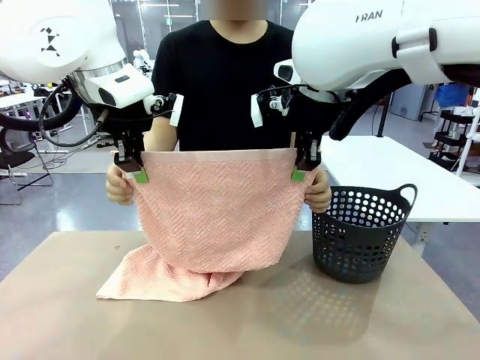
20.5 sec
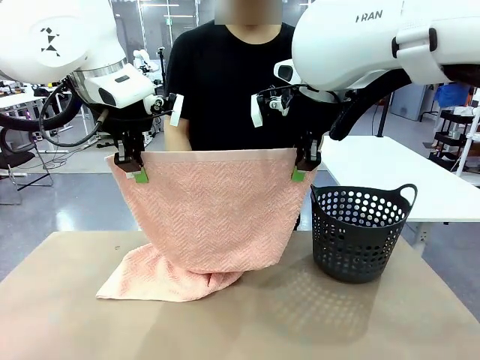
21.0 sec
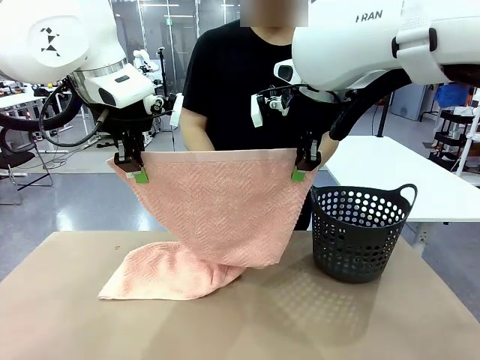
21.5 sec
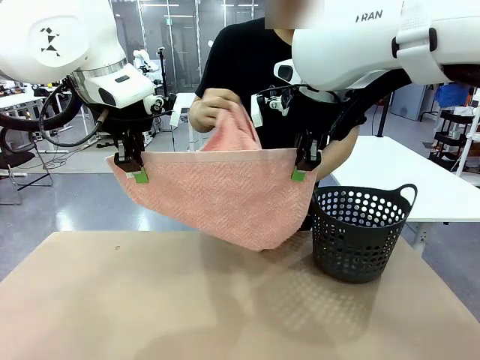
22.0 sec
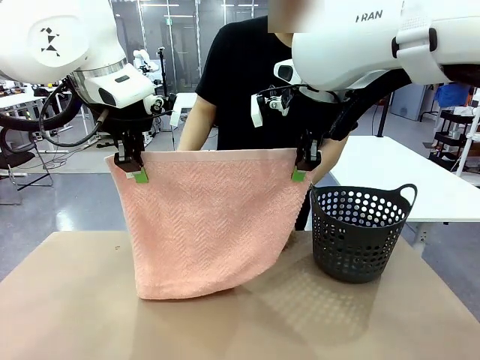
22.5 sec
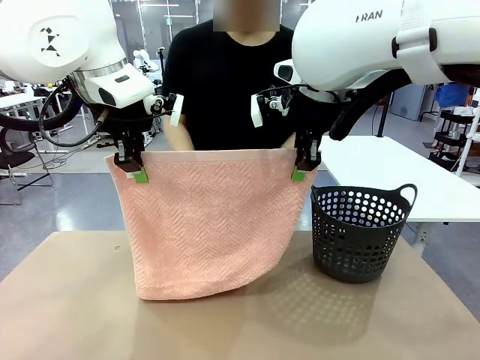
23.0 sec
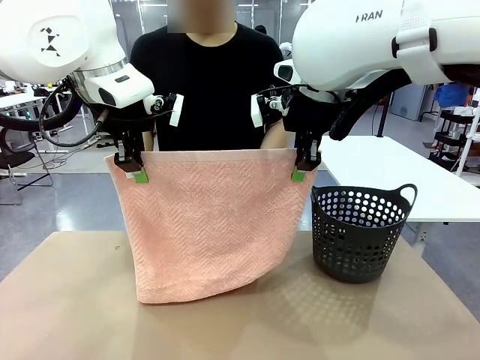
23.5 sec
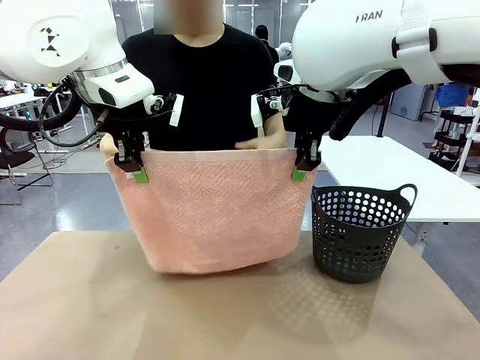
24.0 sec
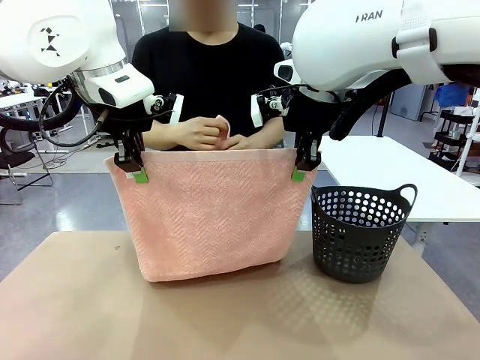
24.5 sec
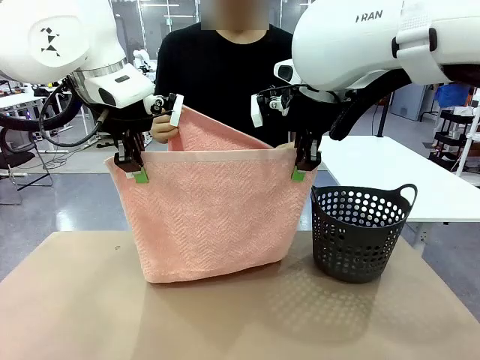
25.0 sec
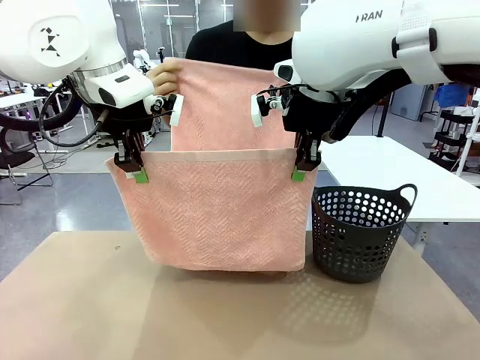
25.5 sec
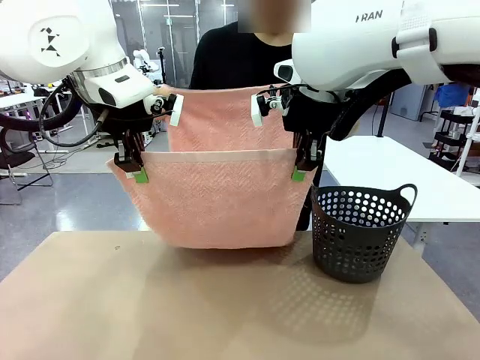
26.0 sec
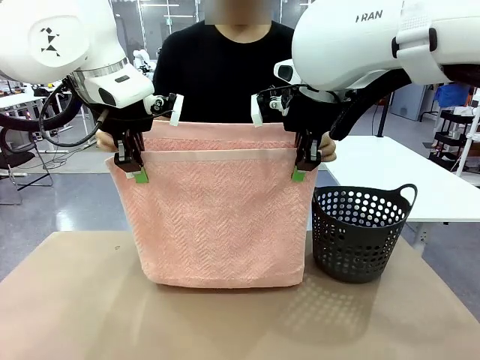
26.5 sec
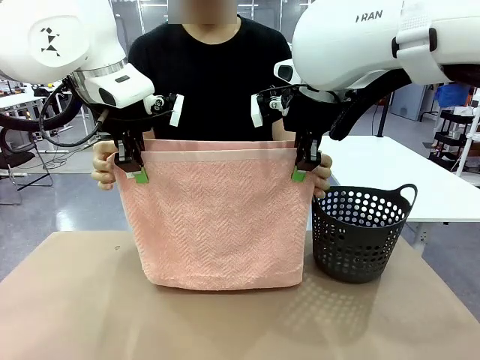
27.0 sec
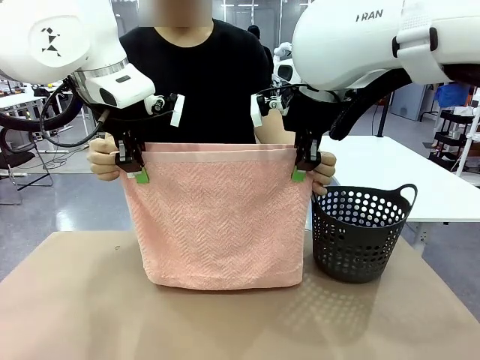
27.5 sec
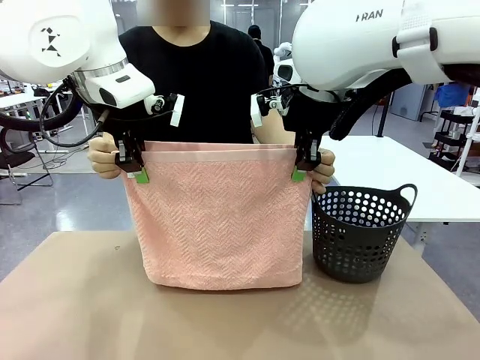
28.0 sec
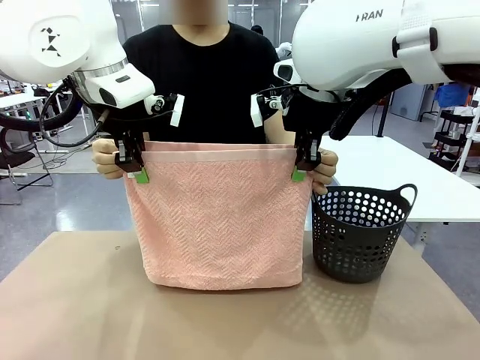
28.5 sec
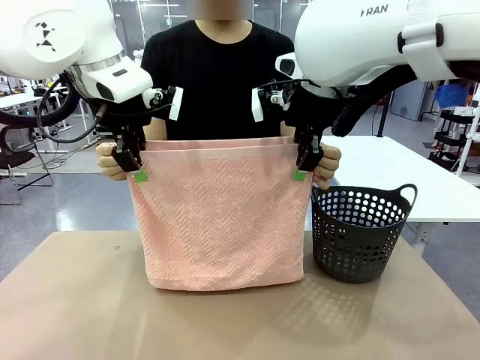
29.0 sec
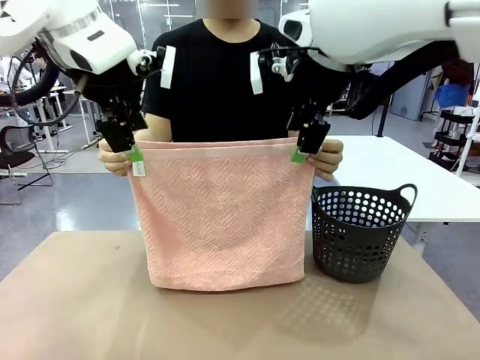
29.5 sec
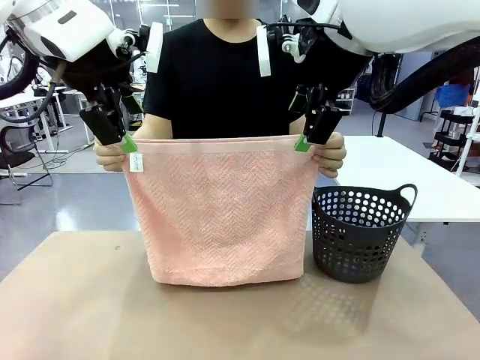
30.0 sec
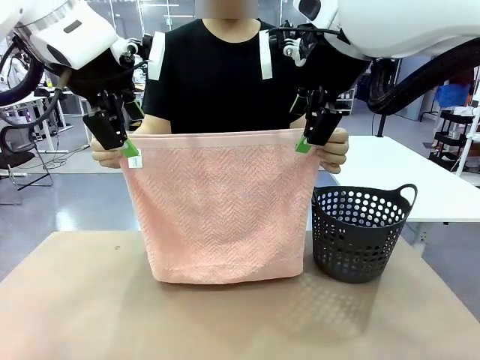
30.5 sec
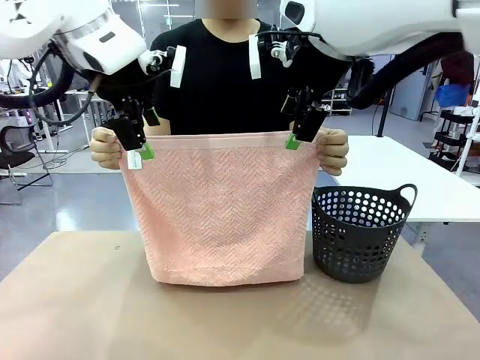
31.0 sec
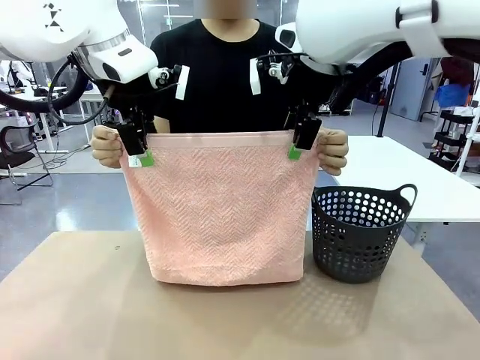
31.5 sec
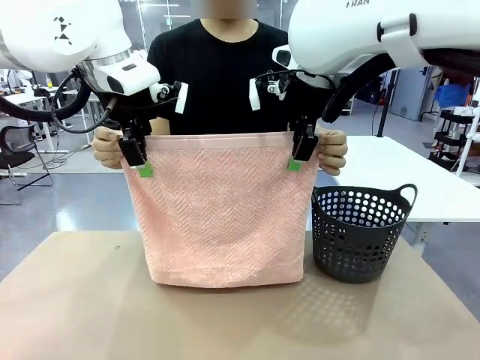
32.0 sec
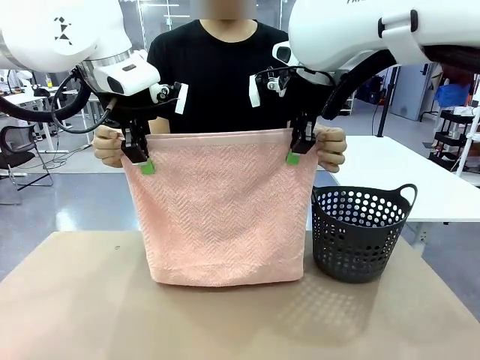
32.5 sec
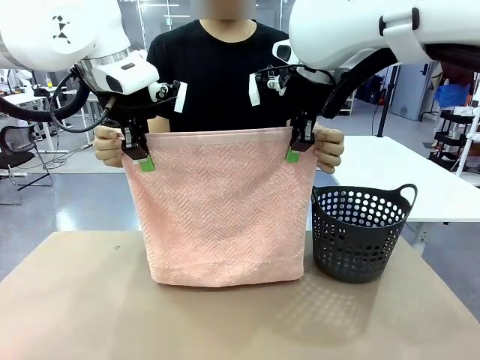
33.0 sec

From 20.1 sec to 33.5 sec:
Task: Fold the towel.
Robot: Release the end of the 100 cm Hotel Towel you were holding and grab the top end of the folded side.
Person: Using the point held by the robot as a reference, grasp the opposite end, fold the towel in half, and then hold both ends of the folded towel.

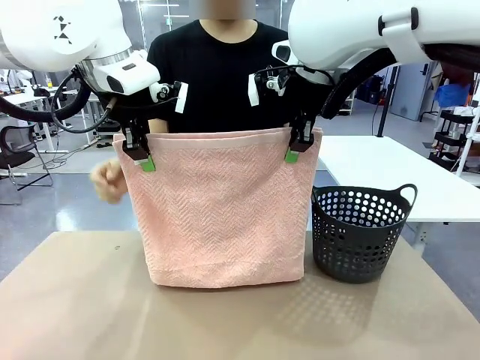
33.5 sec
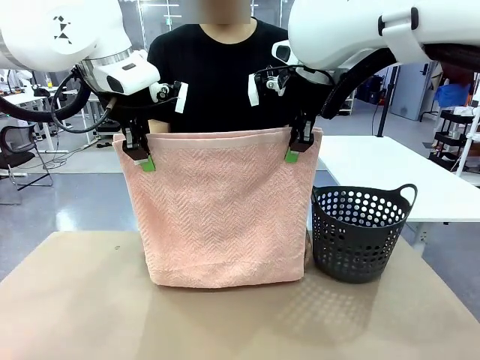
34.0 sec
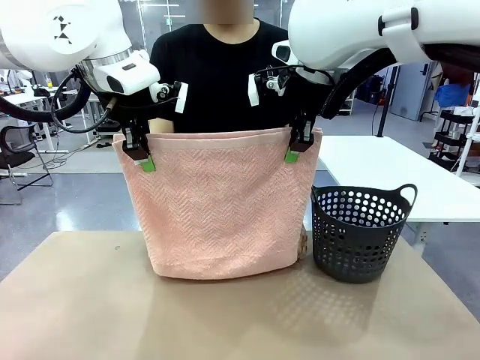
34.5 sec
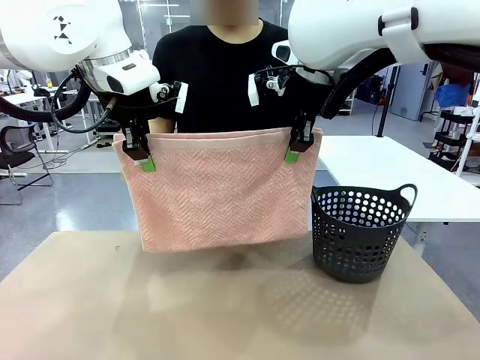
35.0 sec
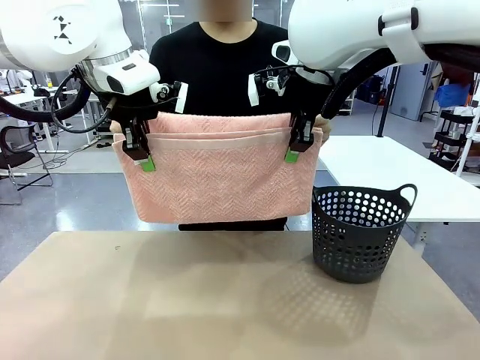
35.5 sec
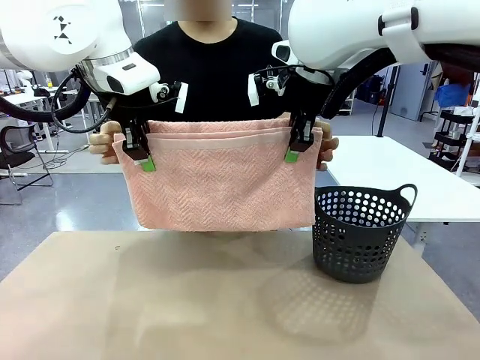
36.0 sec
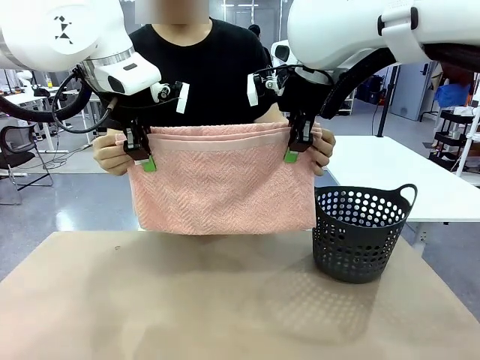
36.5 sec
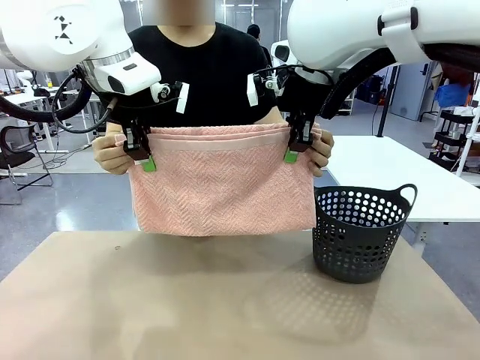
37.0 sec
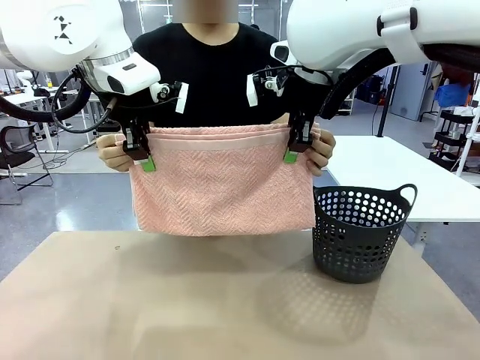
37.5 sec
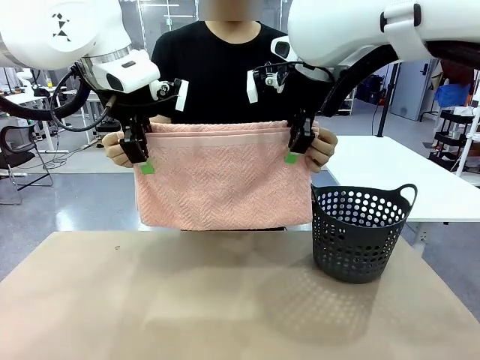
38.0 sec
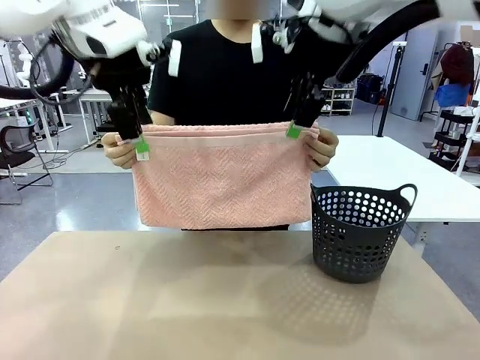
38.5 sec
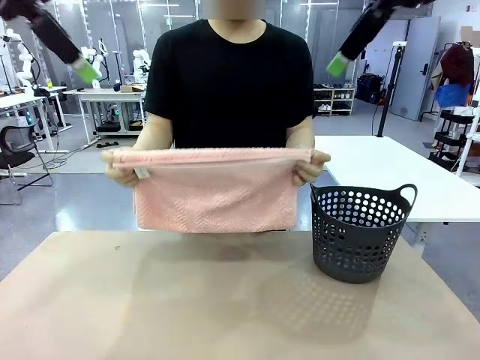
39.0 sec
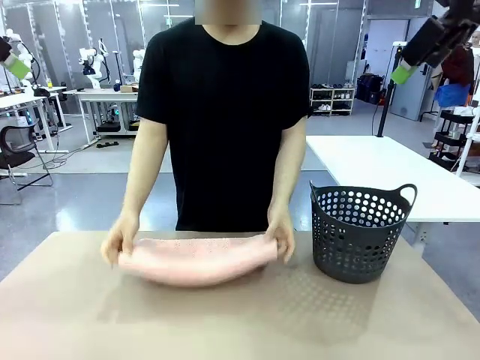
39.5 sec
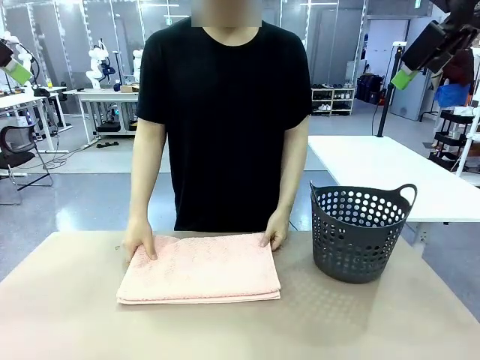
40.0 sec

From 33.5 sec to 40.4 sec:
Robot: Release the end of the 100 cm Hotel Towel you were holding.
Person: Place the towel at the center of the robot table and fold it in half.
